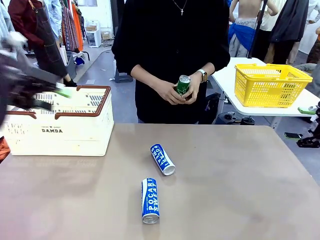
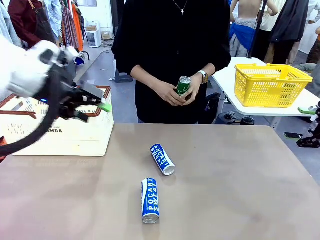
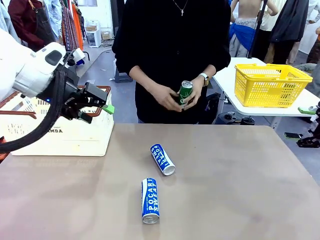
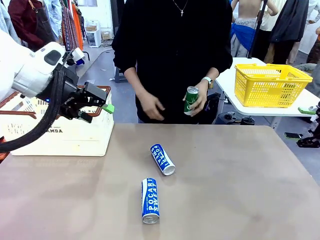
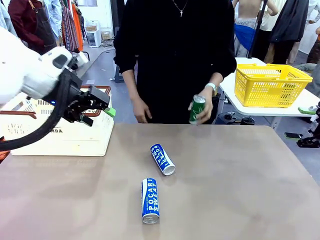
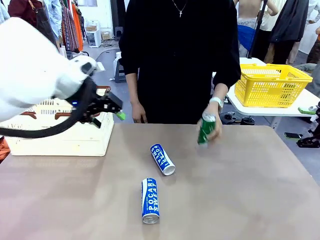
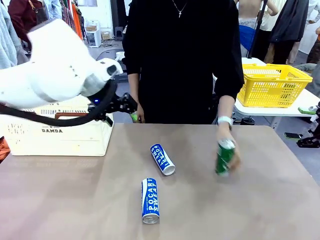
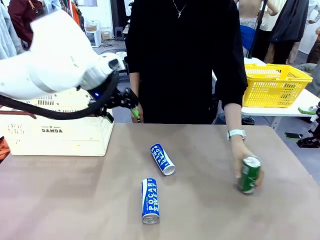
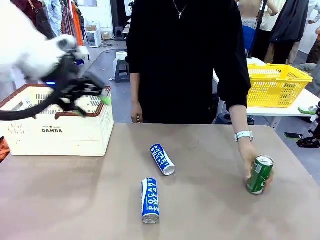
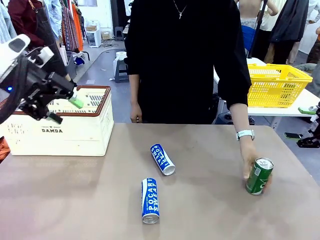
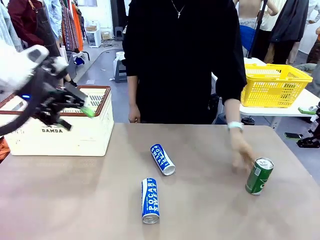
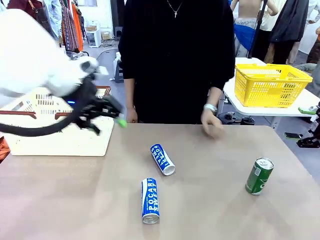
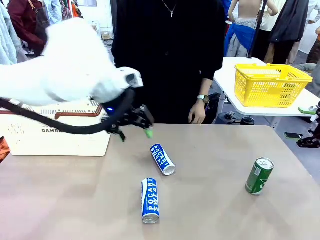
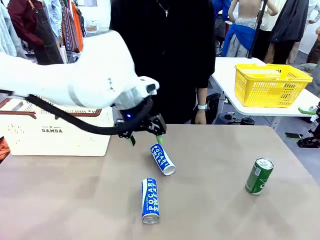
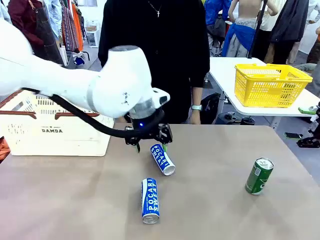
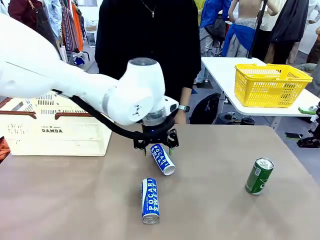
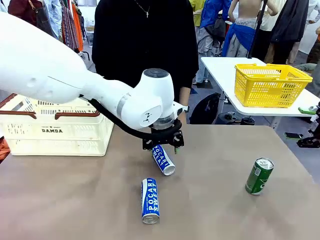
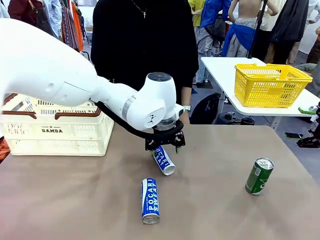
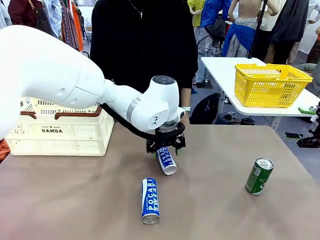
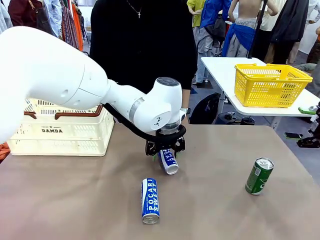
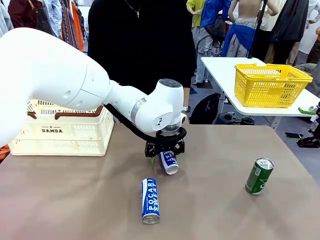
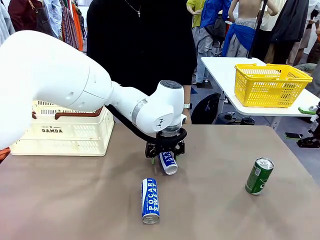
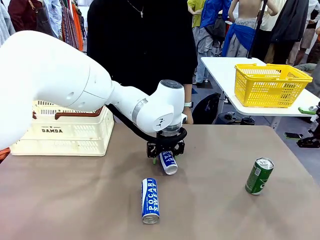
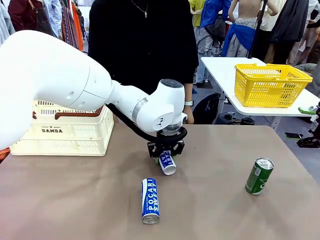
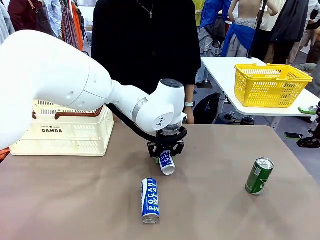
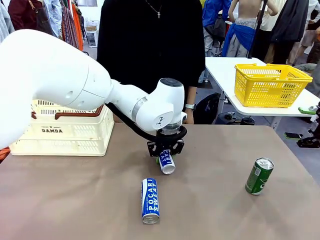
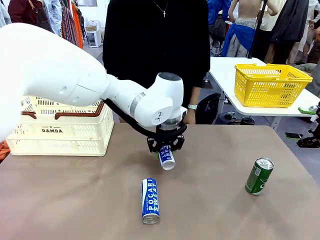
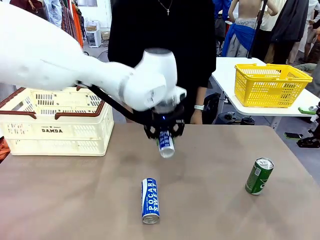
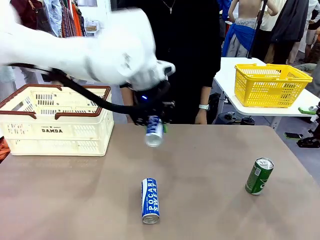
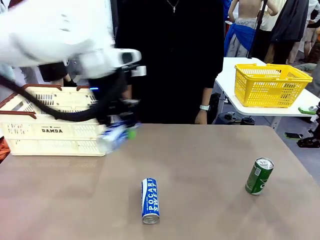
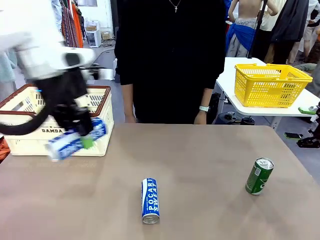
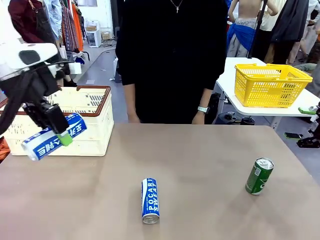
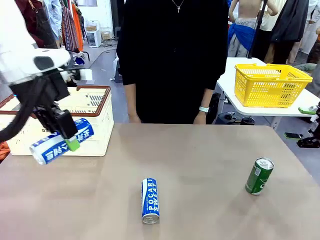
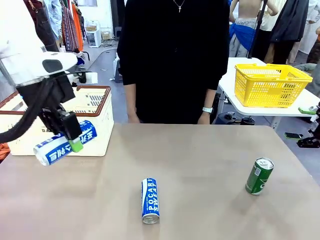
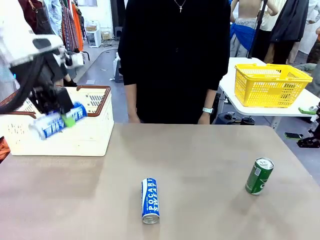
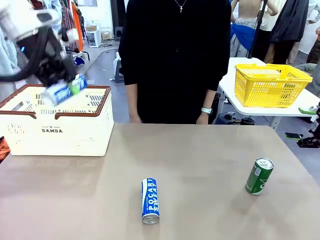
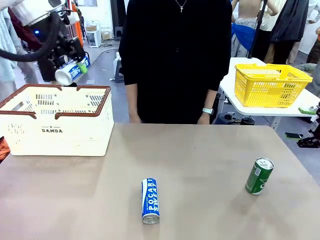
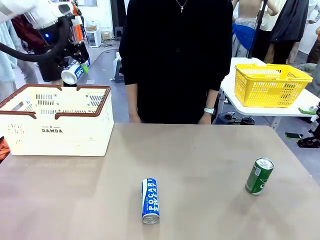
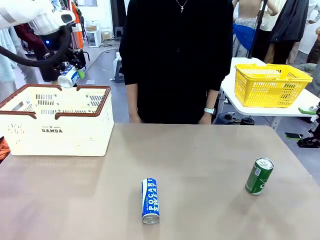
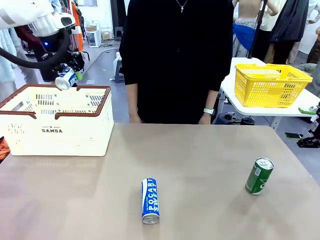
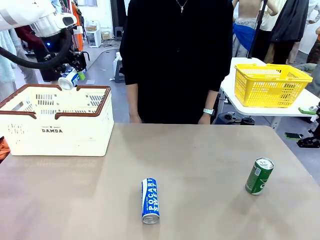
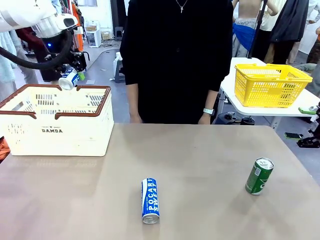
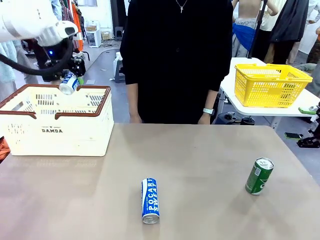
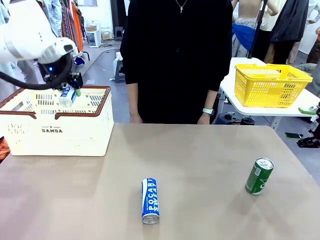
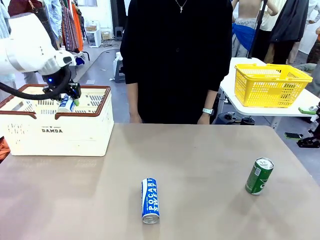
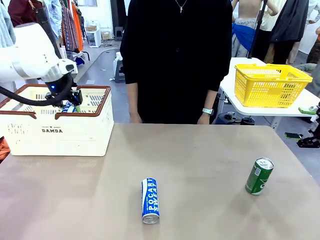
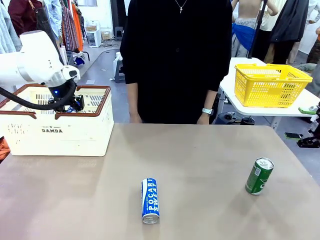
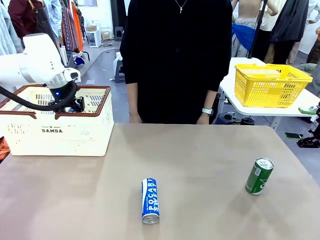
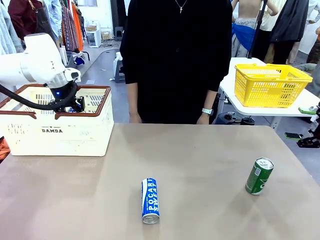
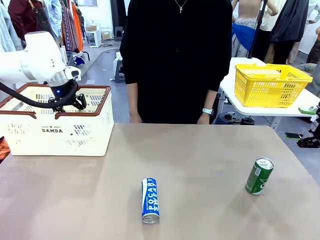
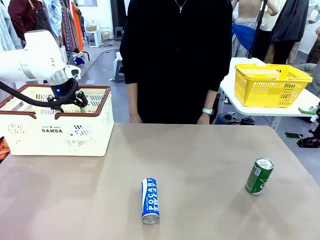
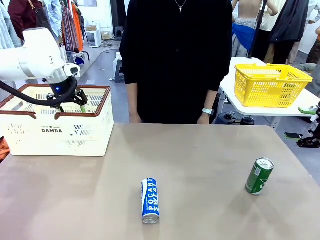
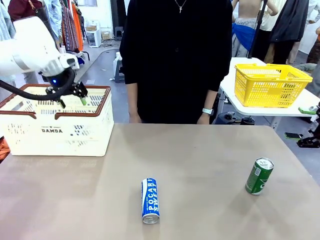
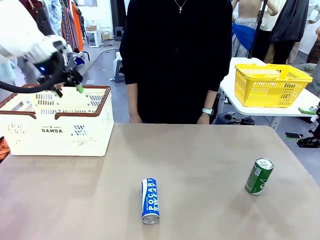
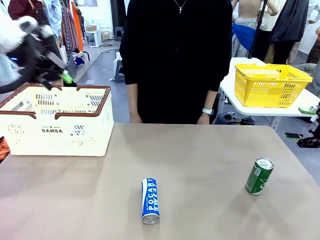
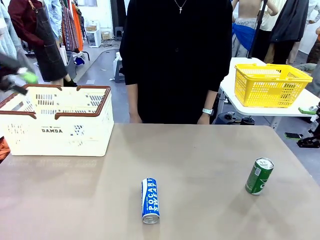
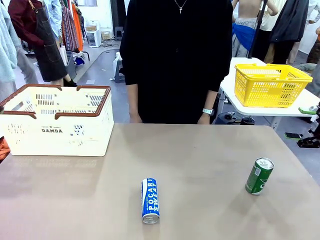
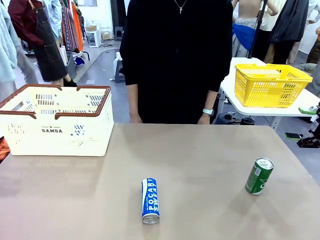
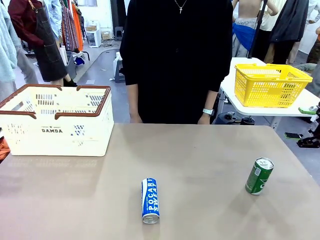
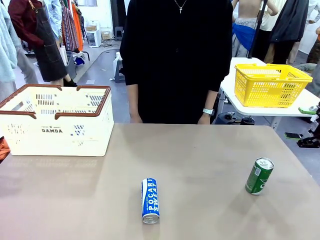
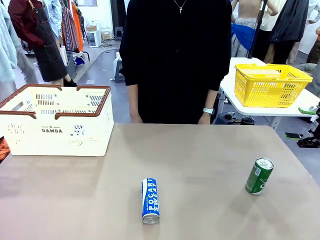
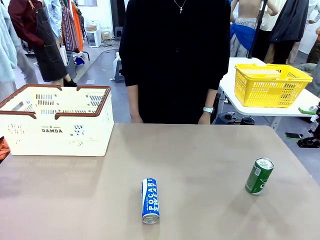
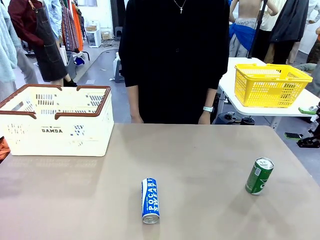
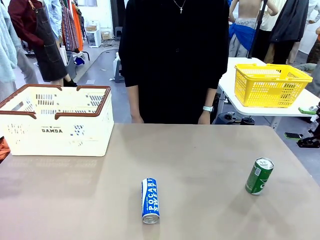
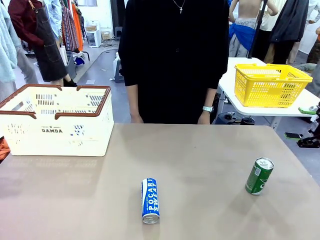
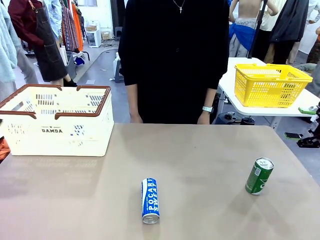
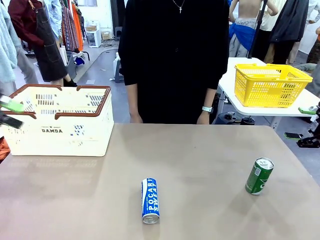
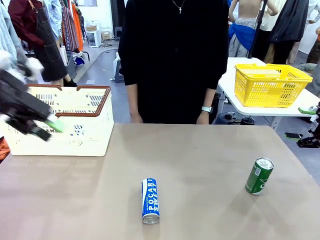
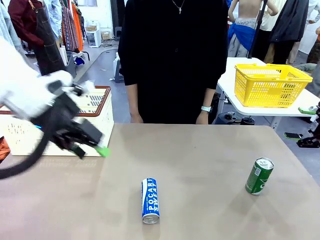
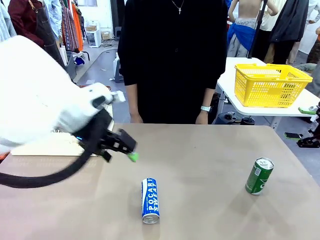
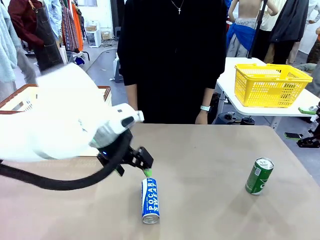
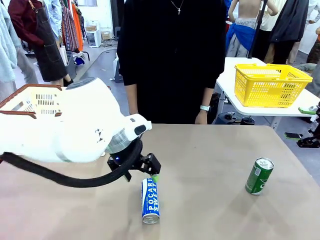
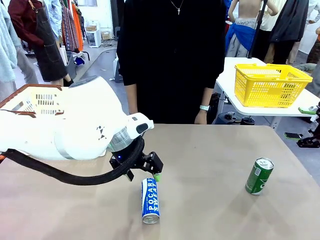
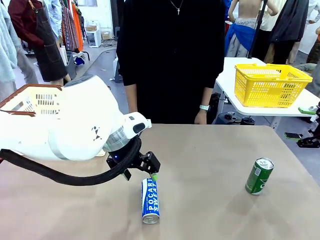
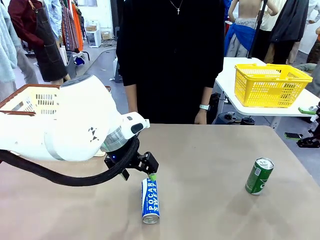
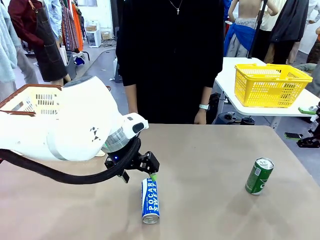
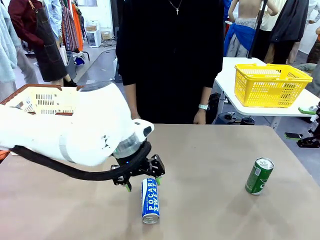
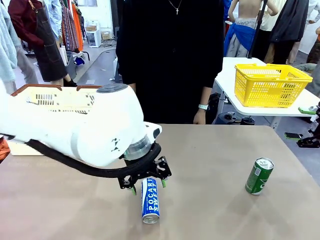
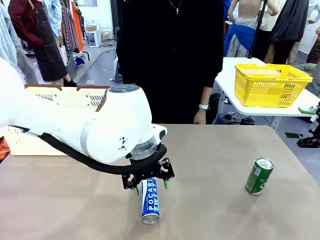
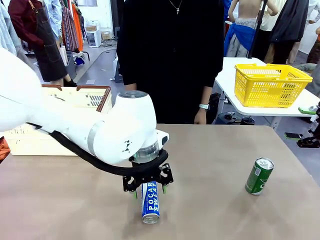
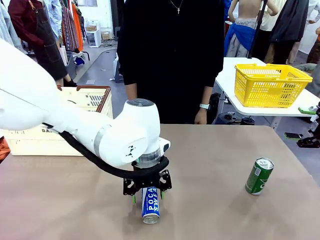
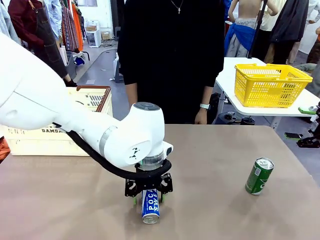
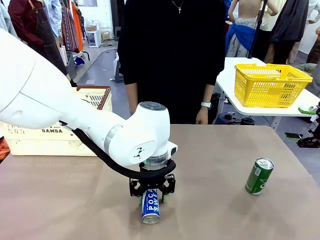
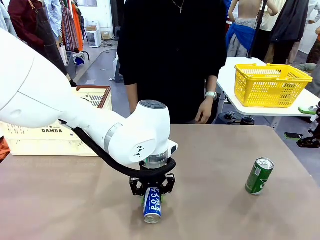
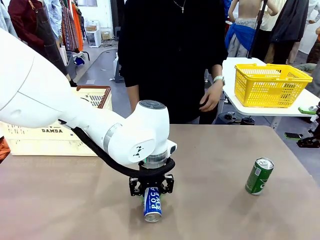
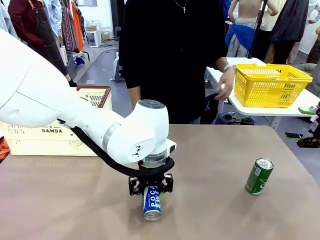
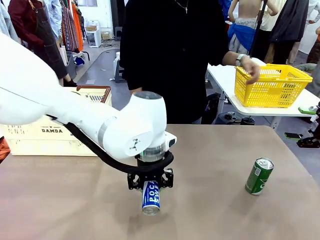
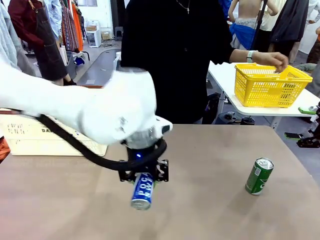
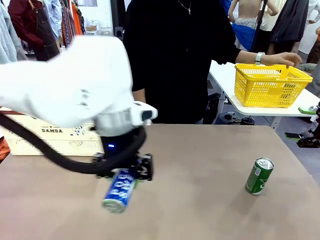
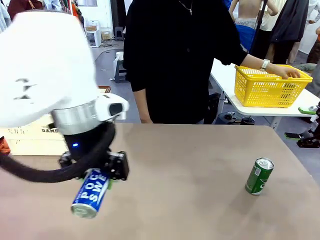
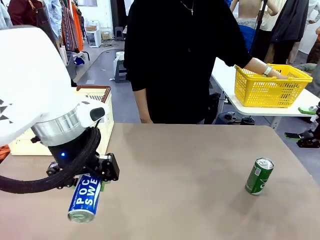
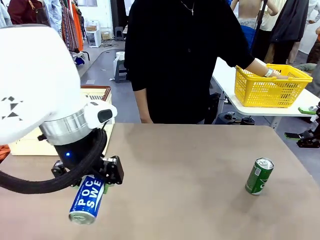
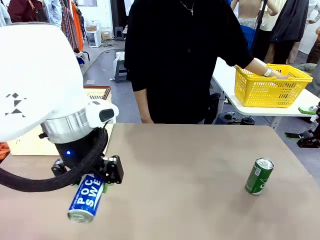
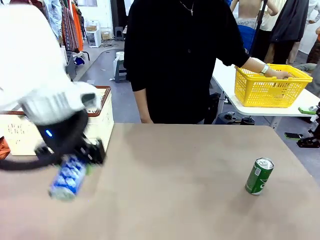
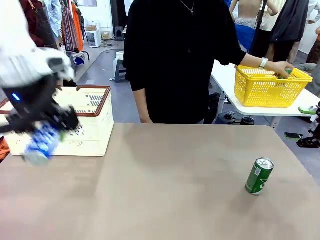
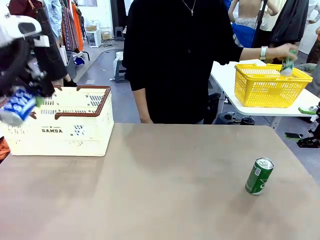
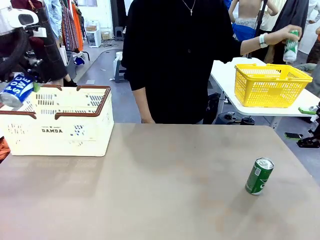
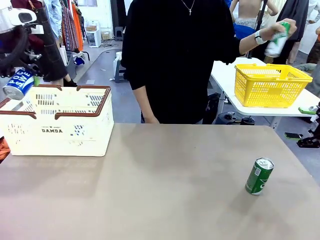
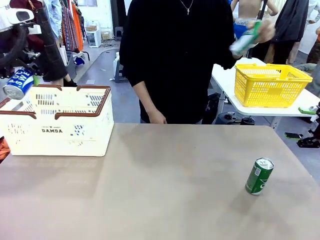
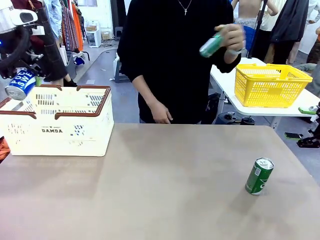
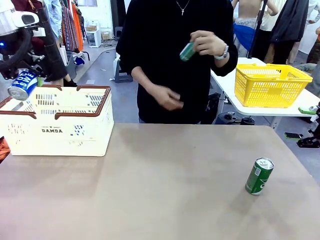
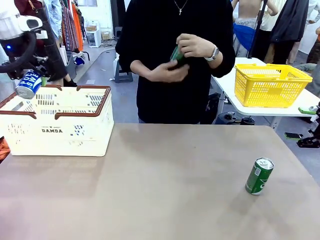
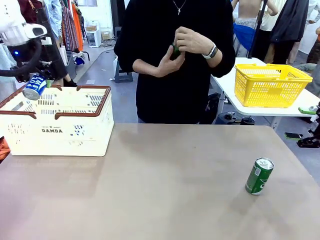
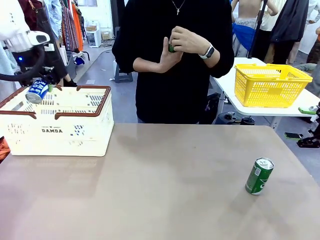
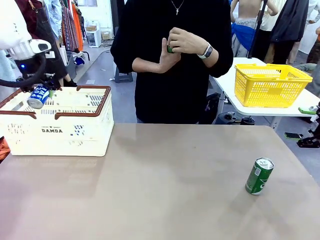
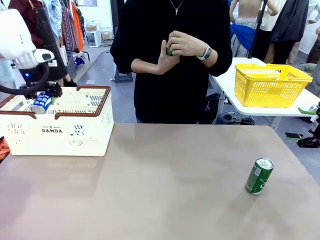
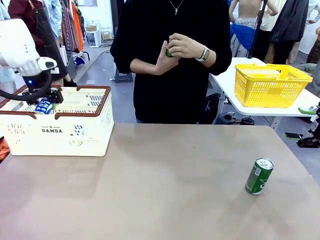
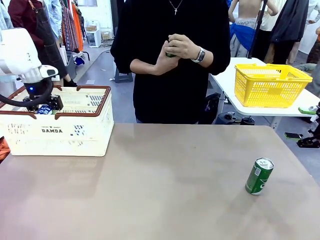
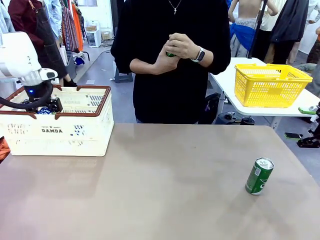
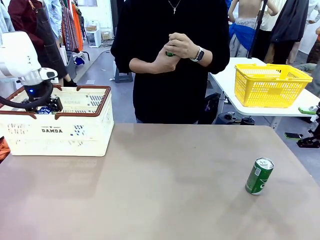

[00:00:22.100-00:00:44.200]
Task: Place the drinks into the Shopping basket.
Robot: Pick up one drink and place it into the Shopping basket.
